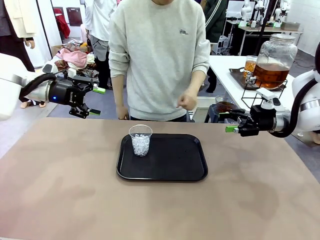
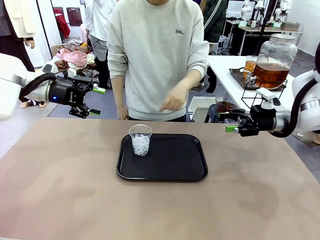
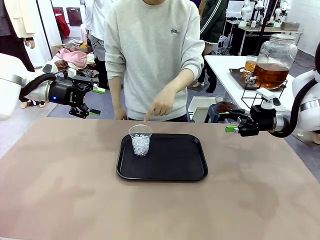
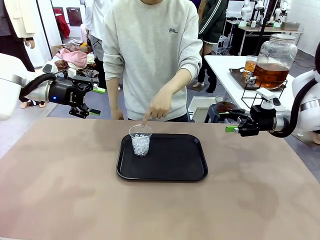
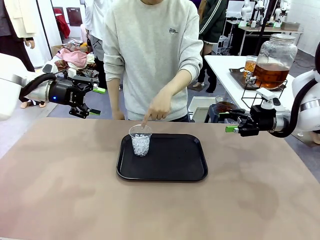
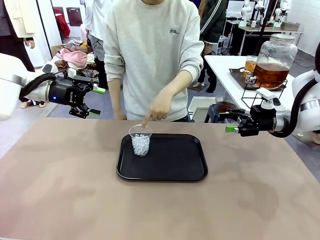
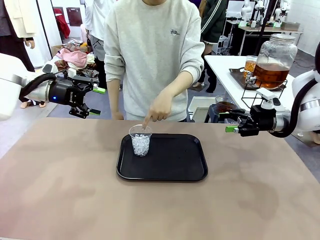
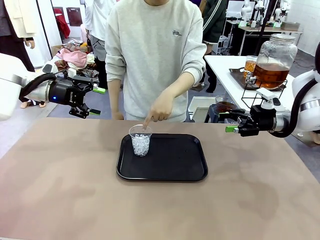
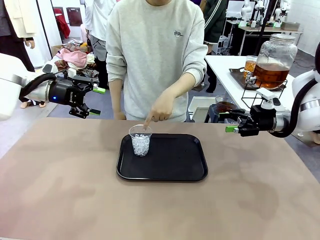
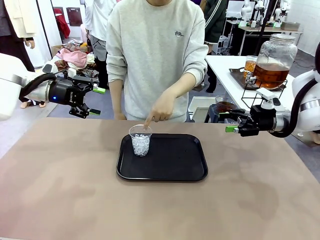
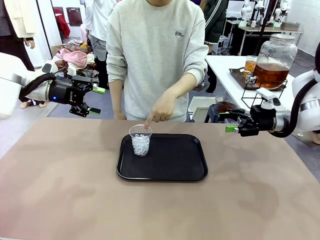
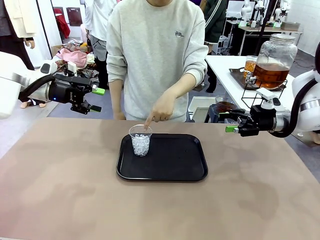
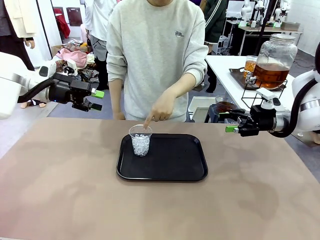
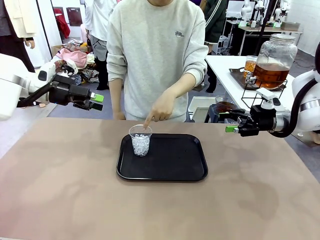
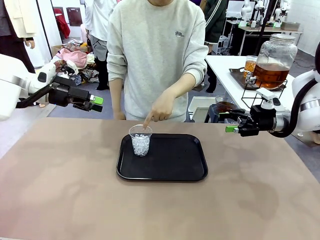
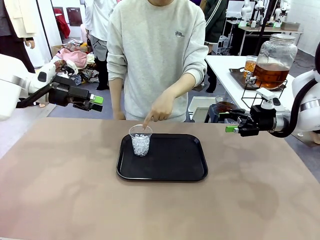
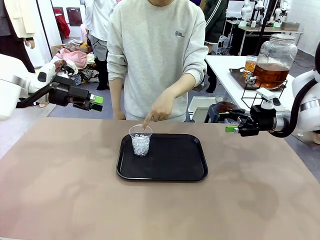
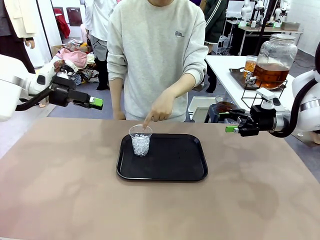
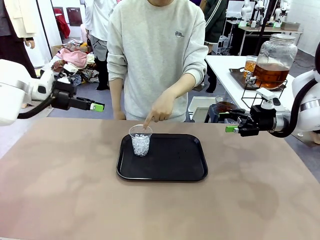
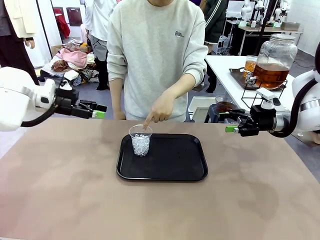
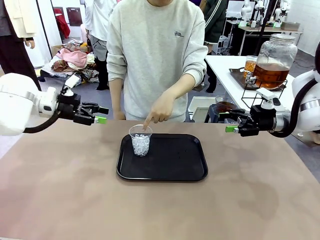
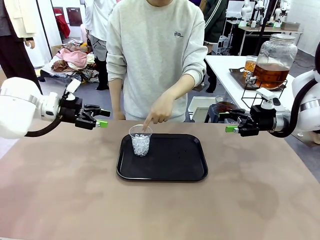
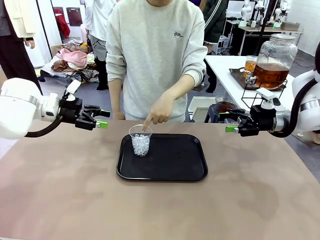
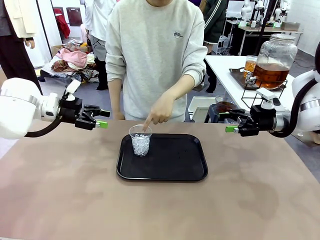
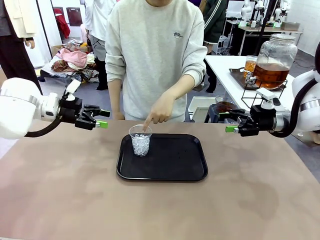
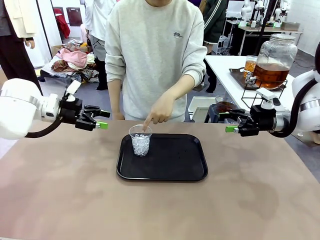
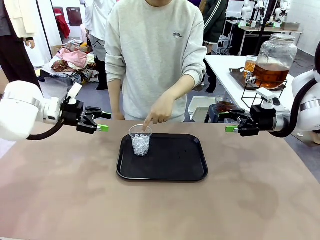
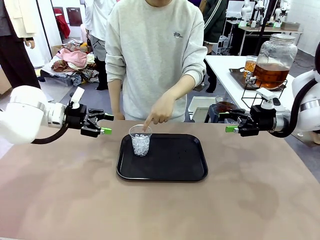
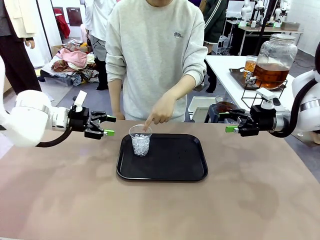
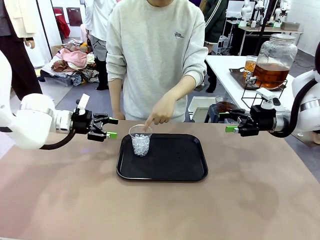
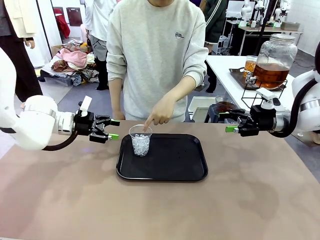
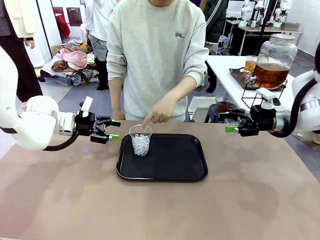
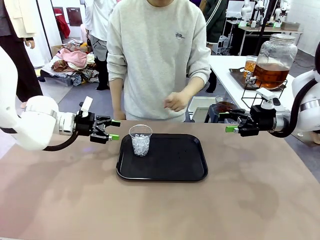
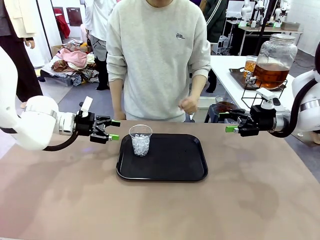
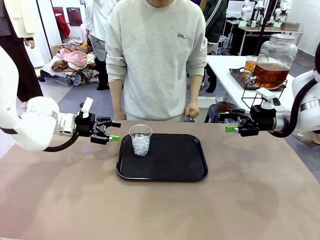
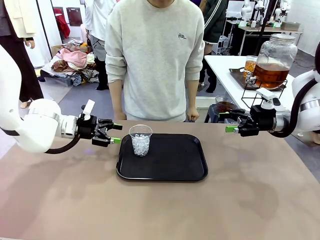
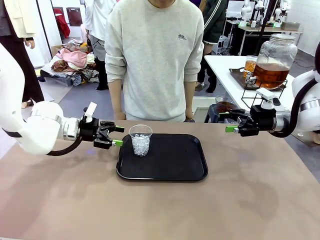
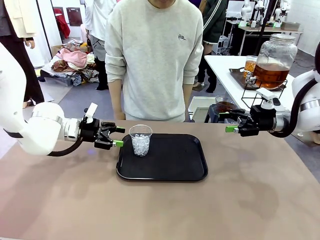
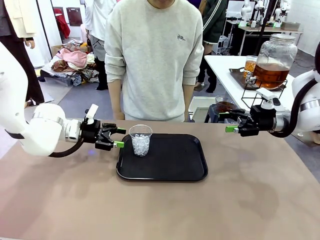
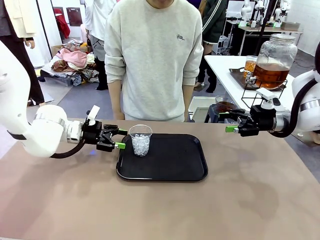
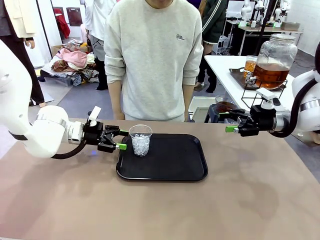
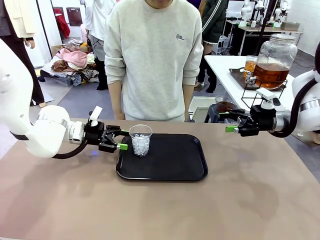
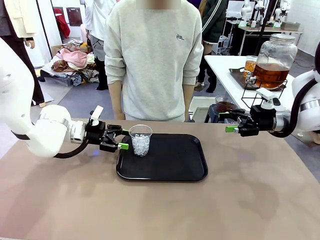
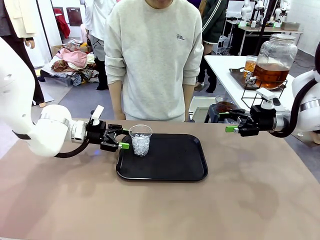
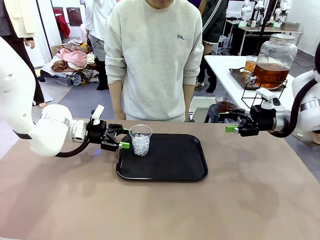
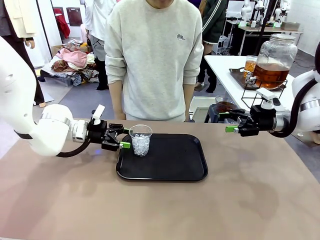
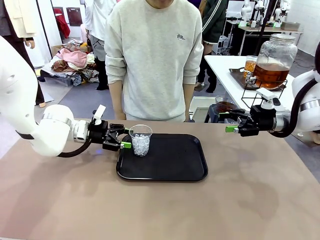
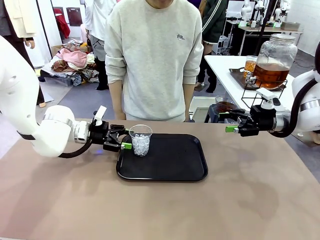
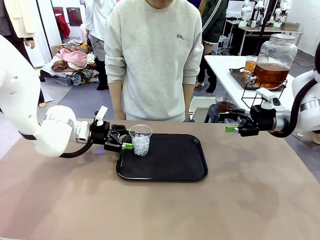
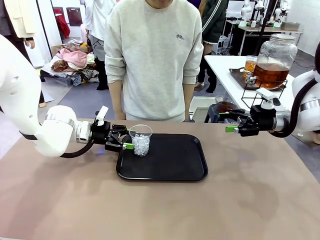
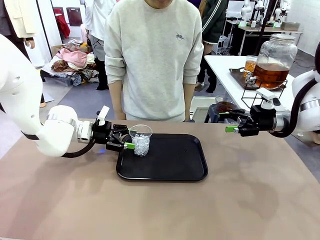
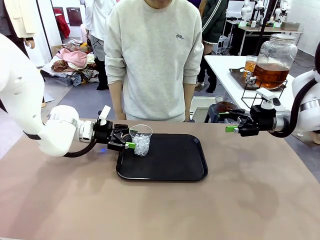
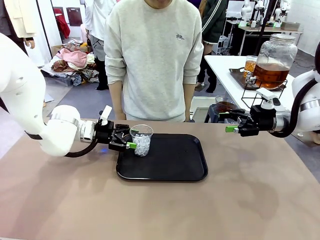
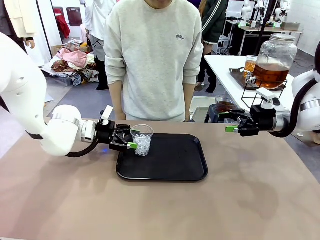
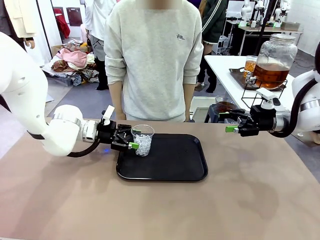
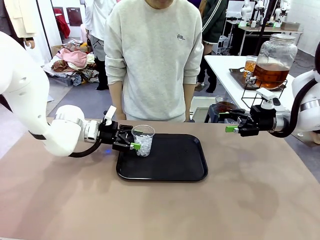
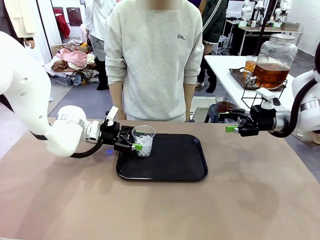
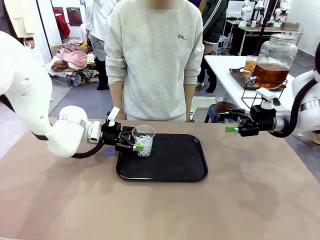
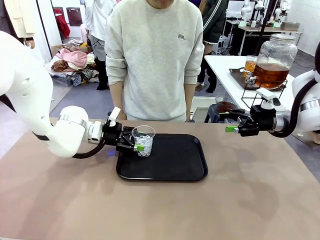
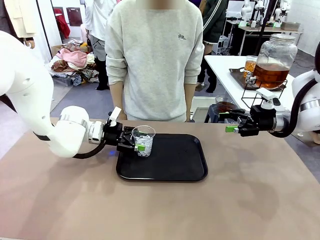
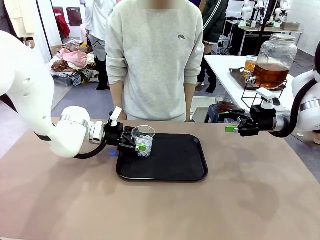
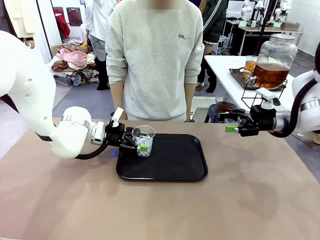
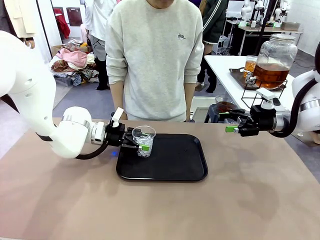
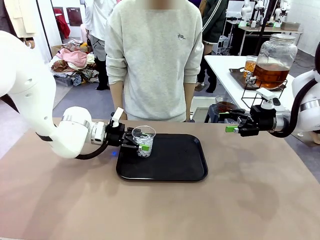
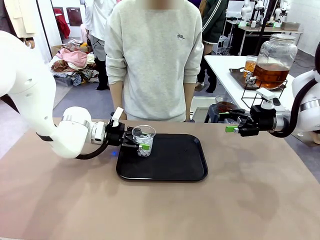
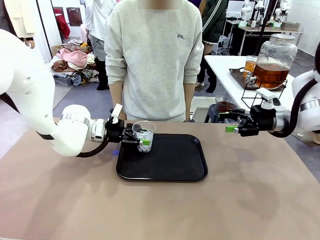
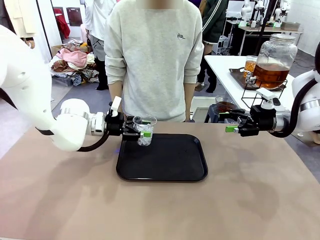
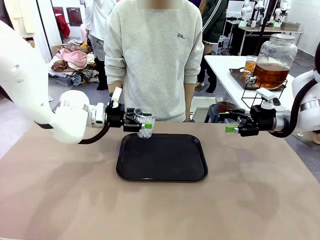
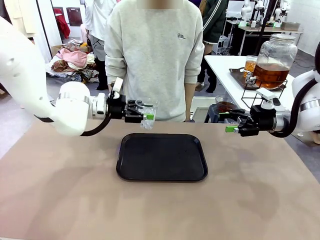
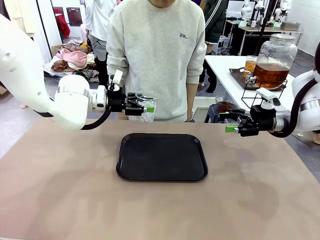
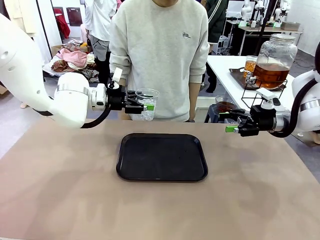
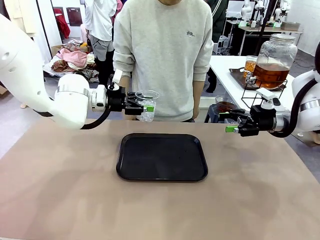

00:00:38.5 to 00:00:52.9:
Task: Pour the drink into the iced cup.
Robot: Pick up the iced cup indicated by the human and present it to them.
Person: Pick up the cup offered by the robot.

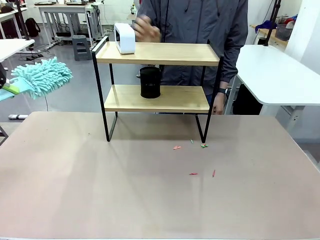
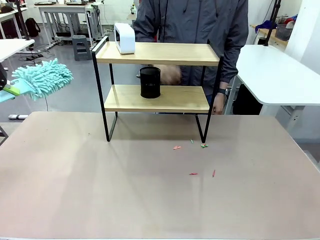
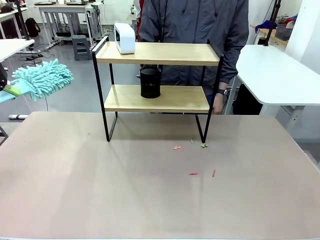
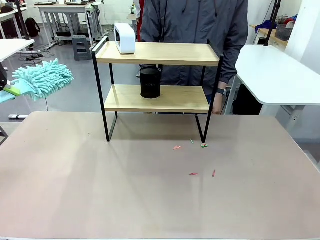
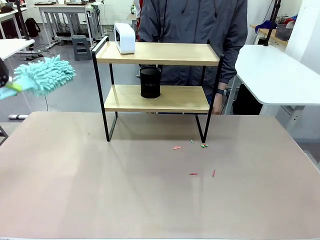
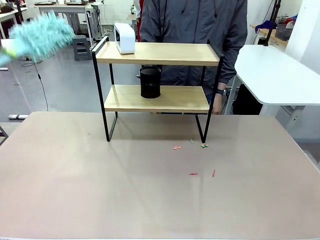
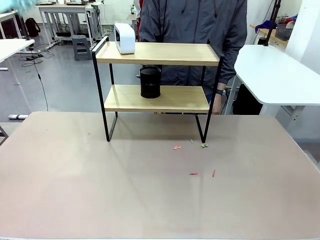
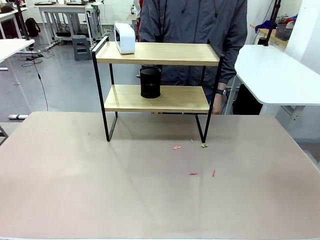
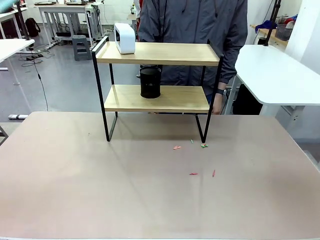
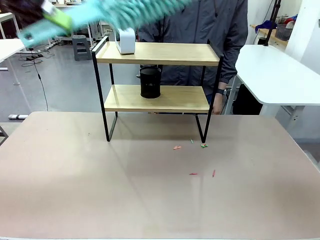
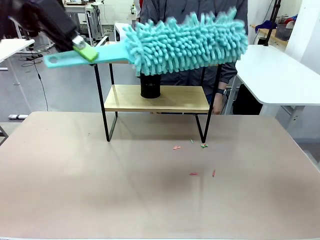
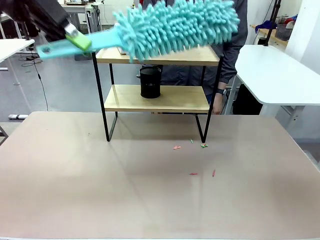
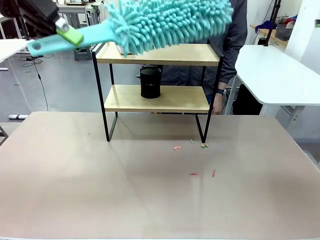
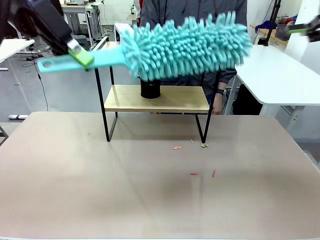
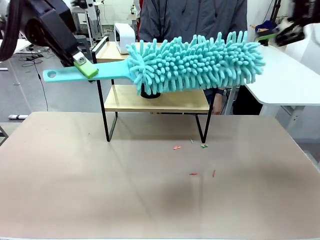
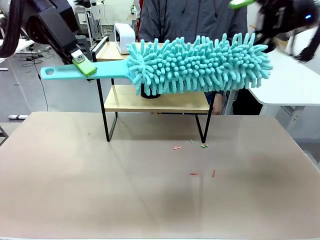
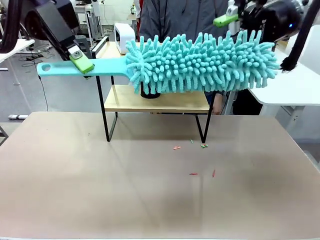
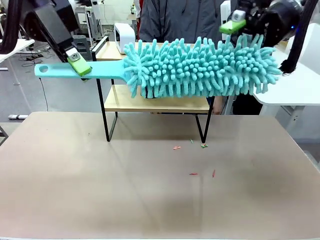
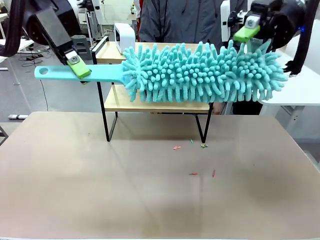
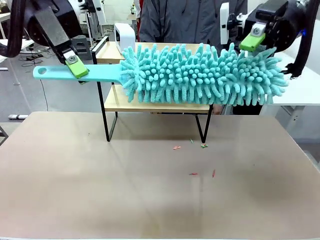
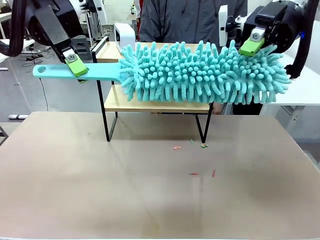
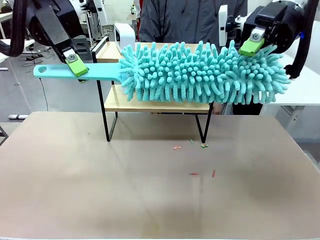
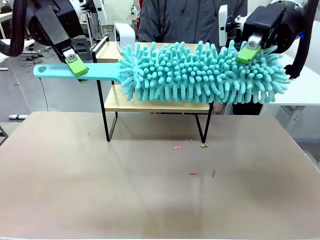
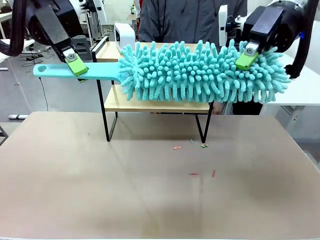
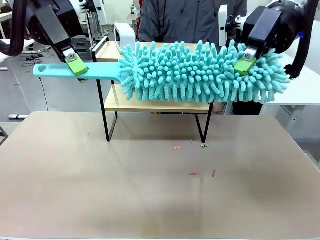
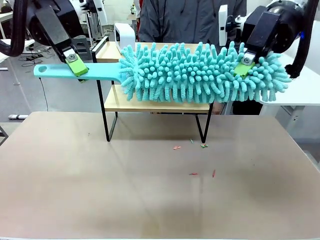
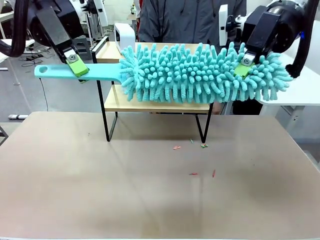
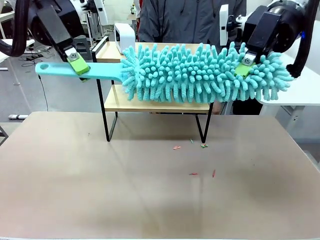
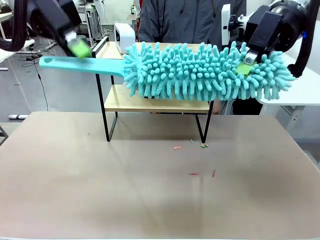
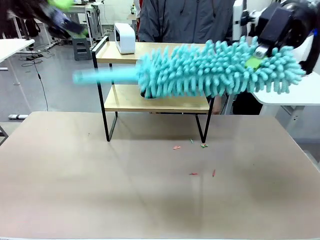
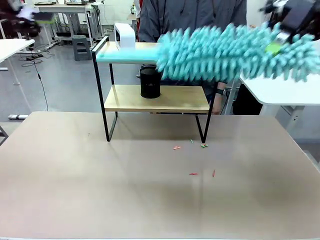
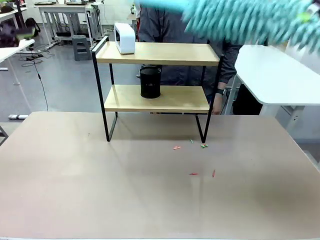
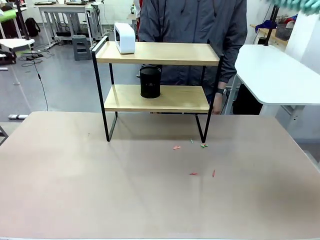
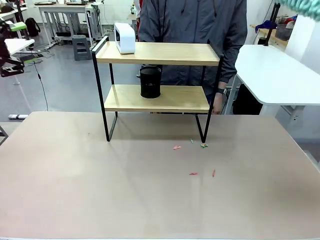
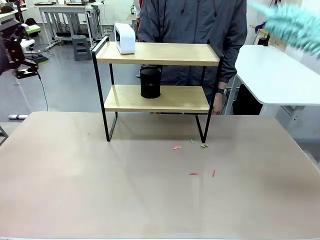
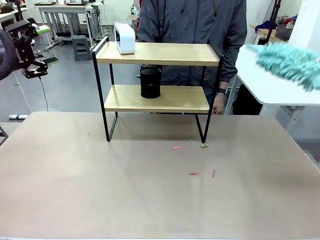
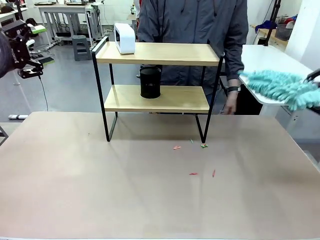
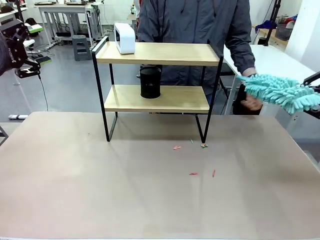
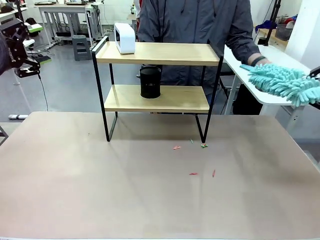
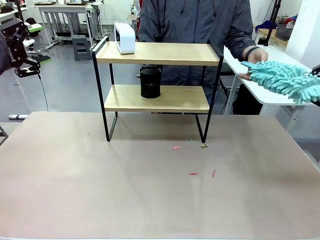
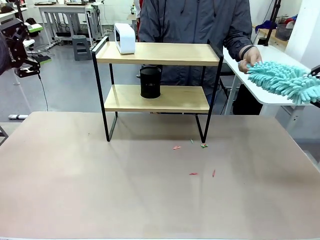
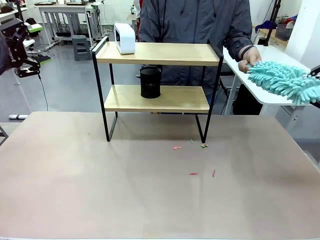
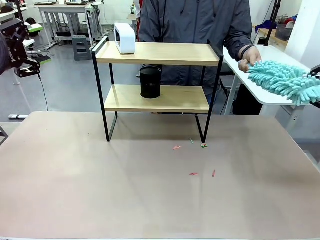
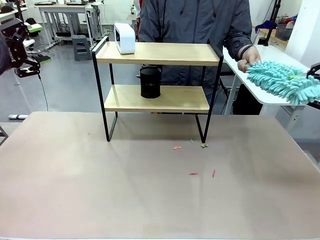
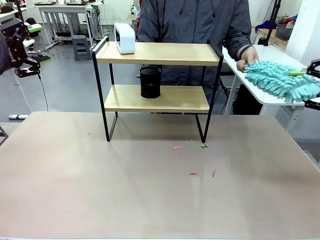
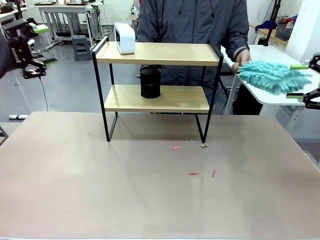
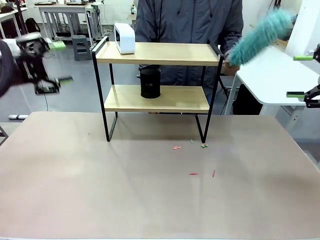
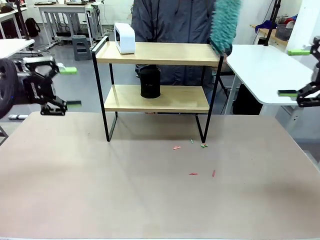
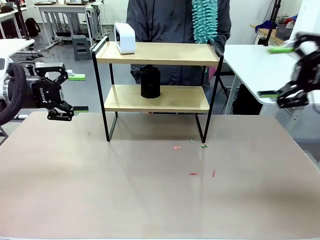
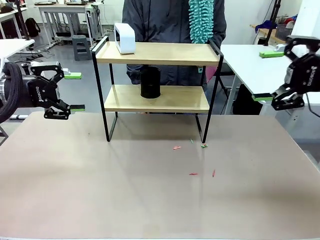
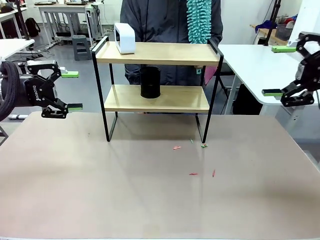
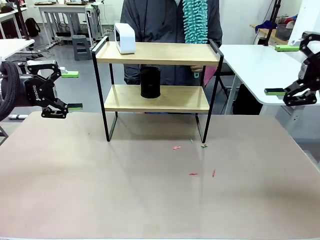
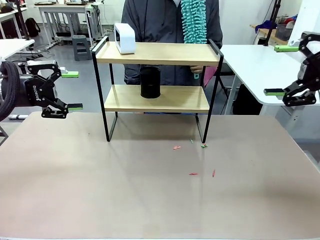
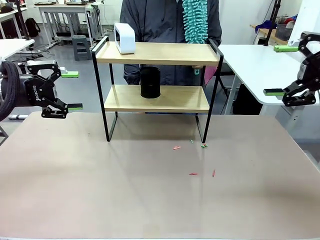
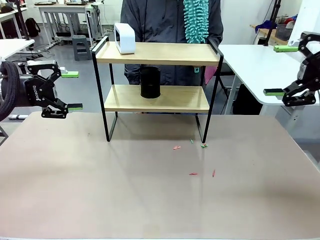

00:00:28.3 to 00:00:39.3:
Task: Clean the shelf.
Robot: Hand the Duster back to the human.
Person: Receive the Duster from the robot.
